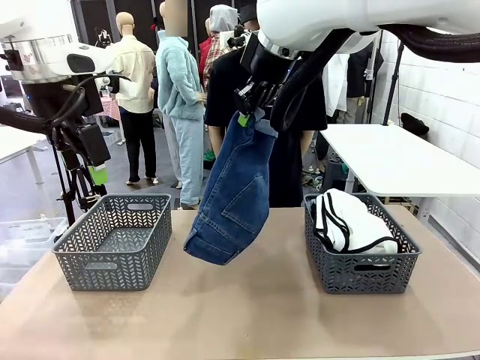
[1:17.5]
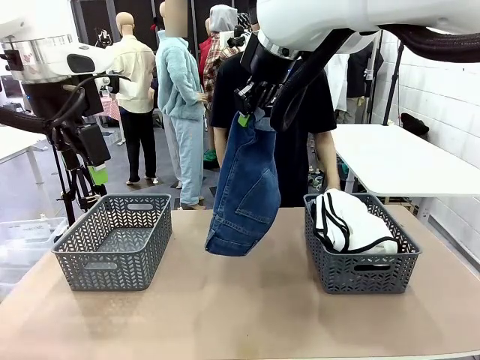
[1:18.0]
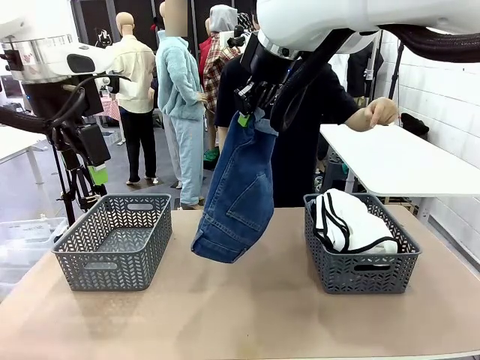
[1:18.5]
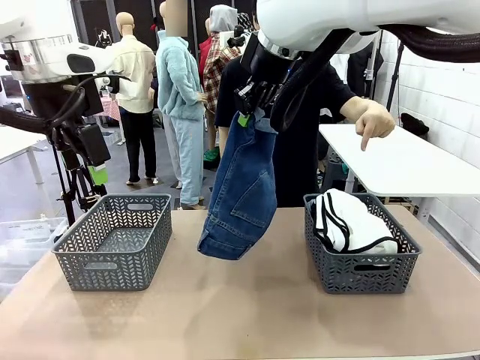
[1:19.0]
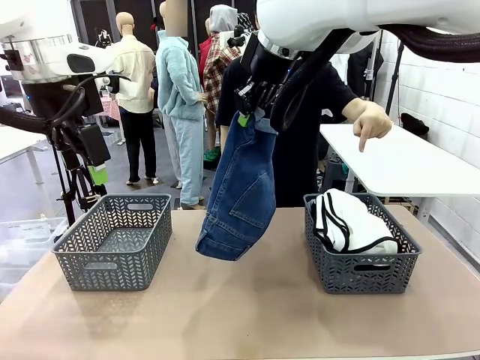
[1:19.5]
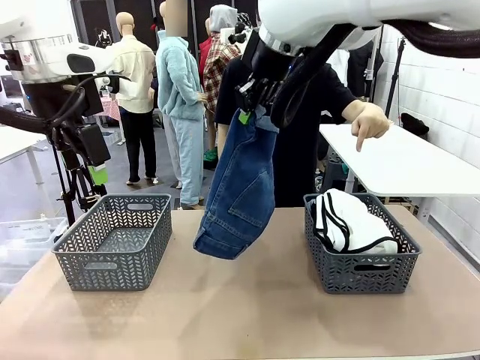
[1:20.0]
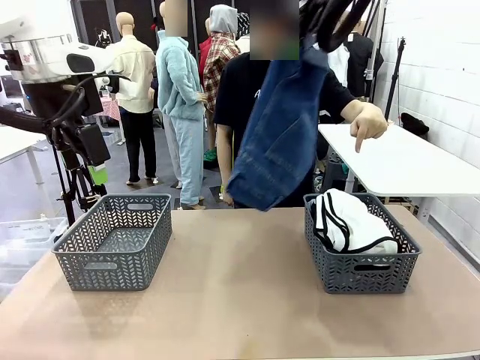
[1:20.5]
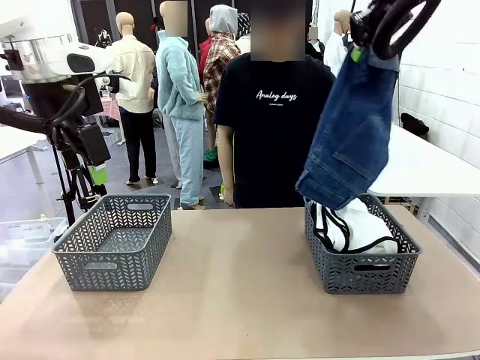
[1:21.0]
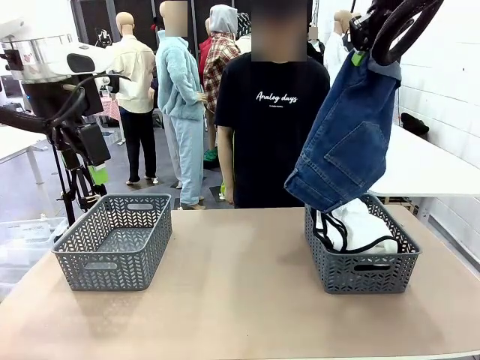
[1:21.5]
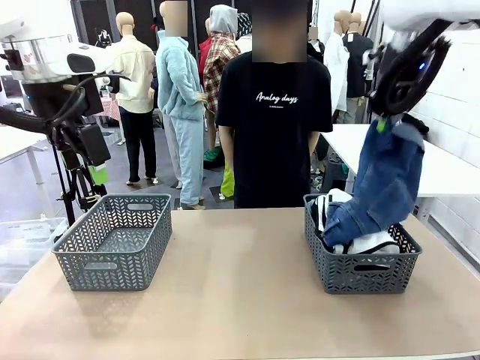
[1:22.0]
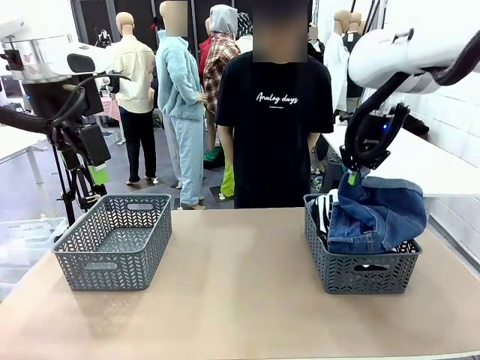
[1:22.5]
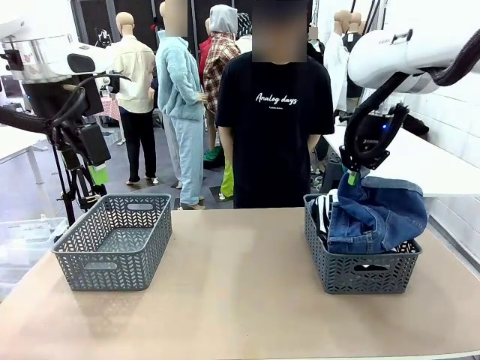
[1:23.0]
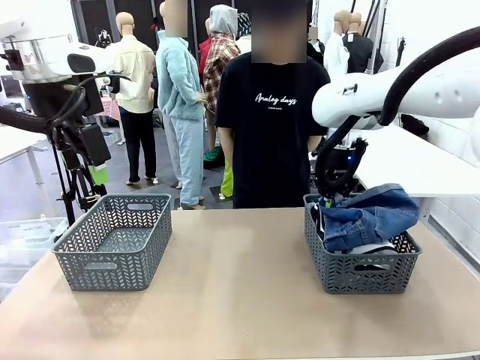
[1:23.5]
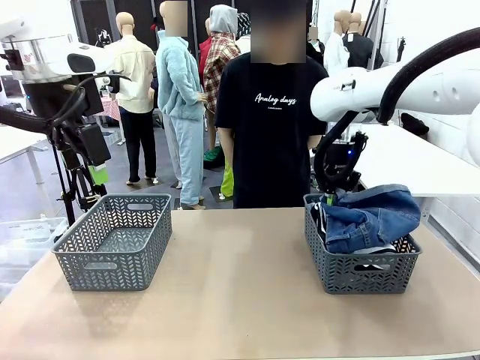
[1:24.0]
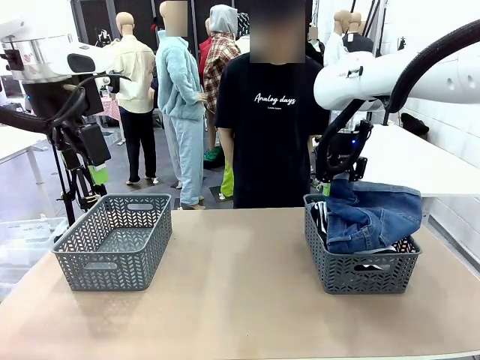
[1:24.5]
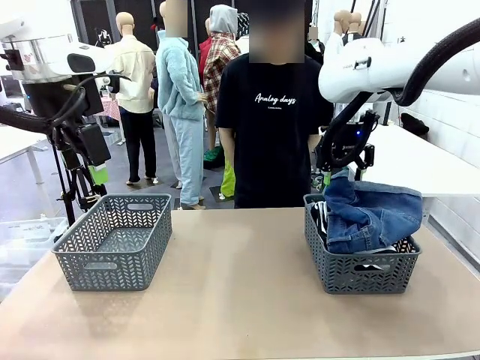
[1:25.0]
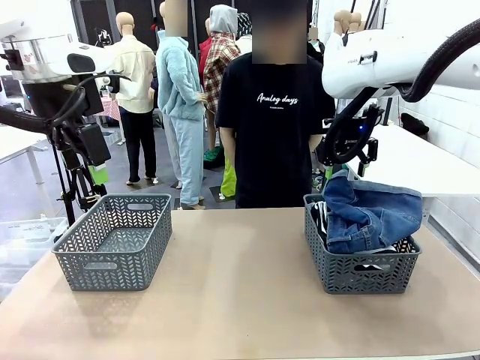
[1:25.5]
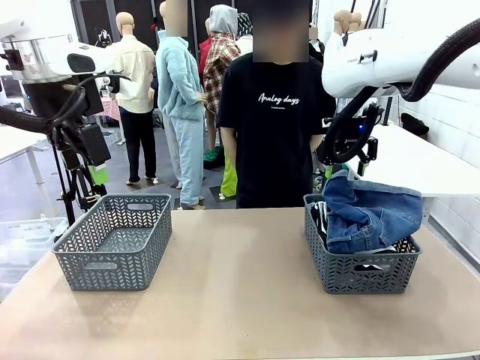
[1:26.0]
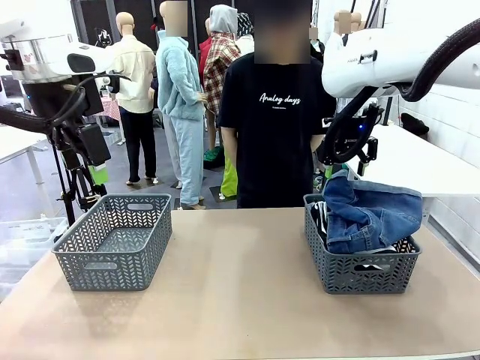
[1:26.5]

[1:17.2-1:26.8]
Task: Sort the tops and bottoms.
Robot: Sort the clothes according to human instructions.

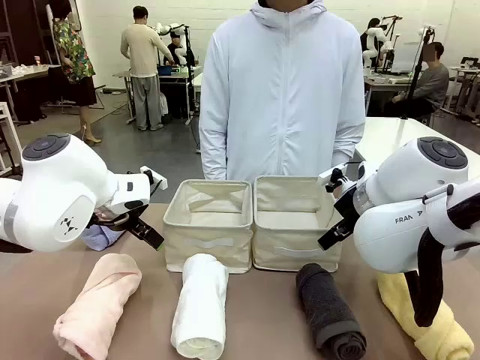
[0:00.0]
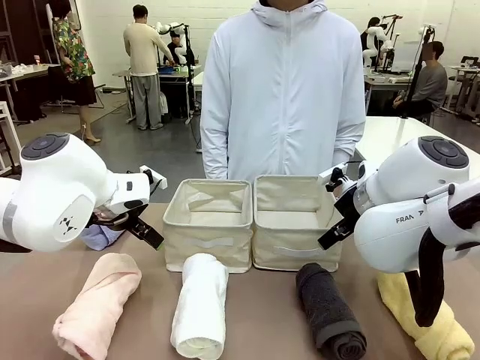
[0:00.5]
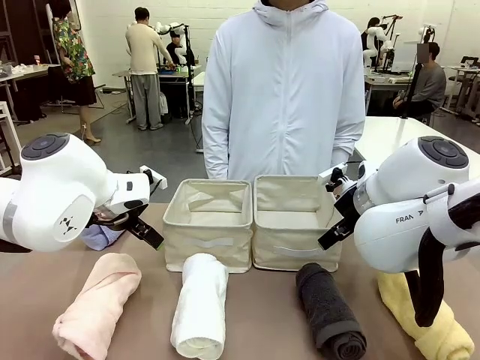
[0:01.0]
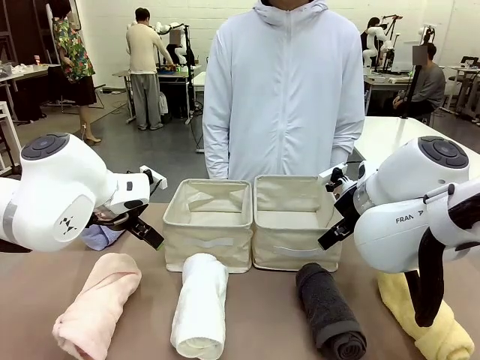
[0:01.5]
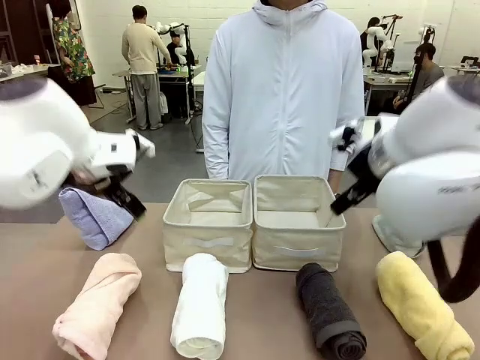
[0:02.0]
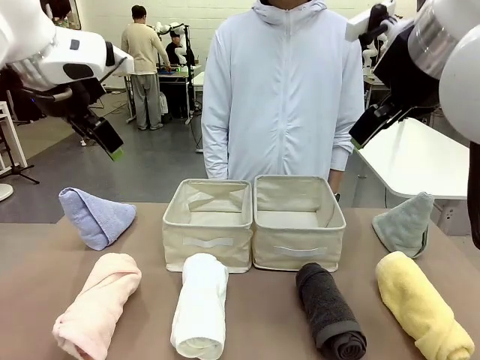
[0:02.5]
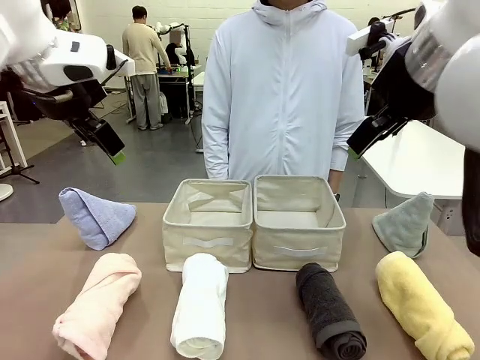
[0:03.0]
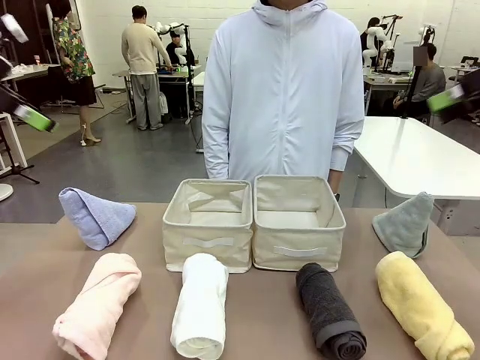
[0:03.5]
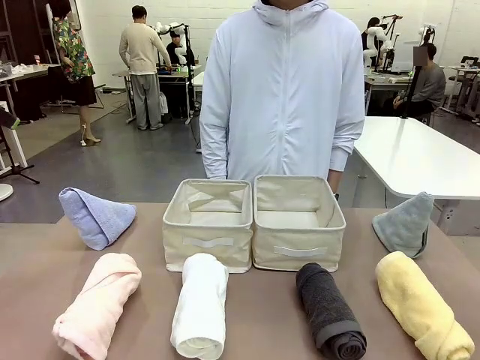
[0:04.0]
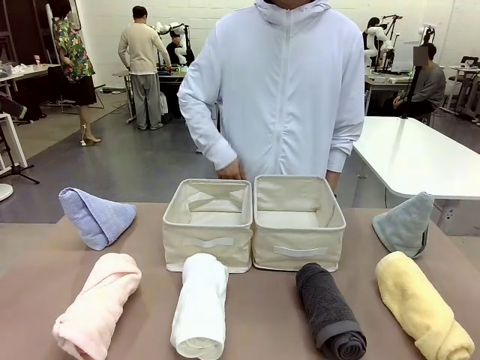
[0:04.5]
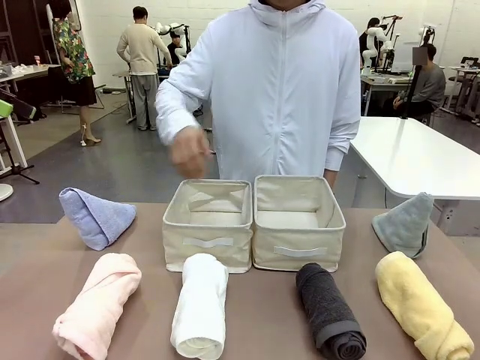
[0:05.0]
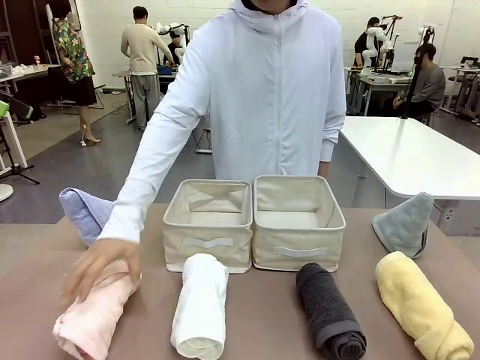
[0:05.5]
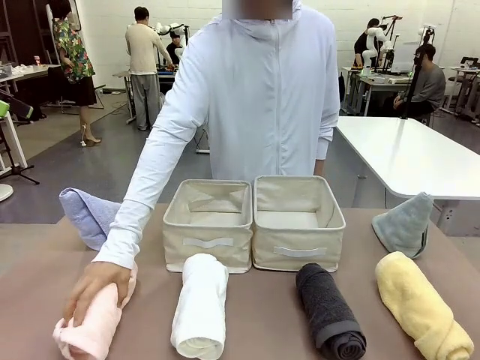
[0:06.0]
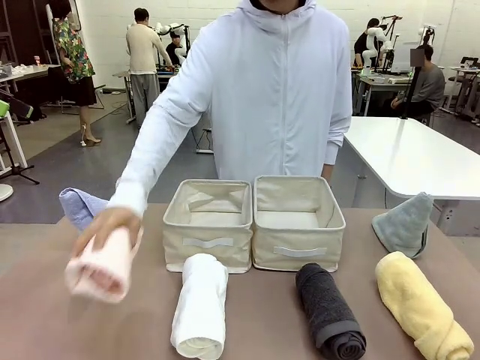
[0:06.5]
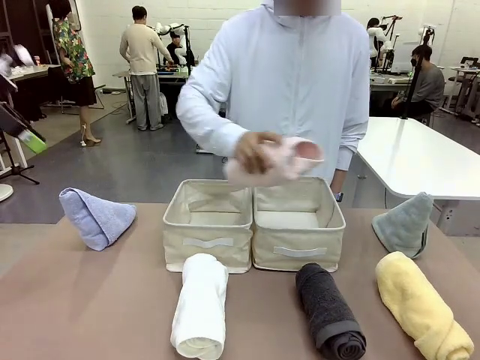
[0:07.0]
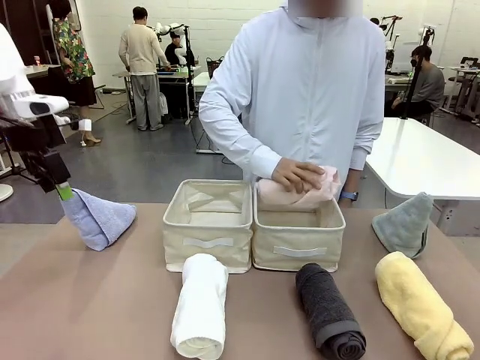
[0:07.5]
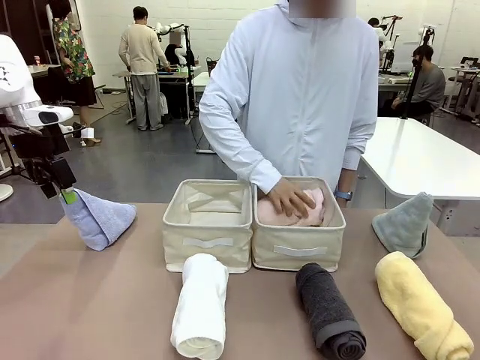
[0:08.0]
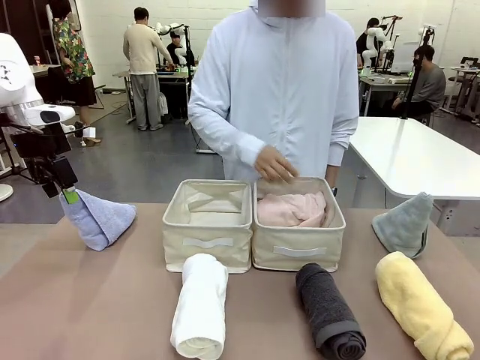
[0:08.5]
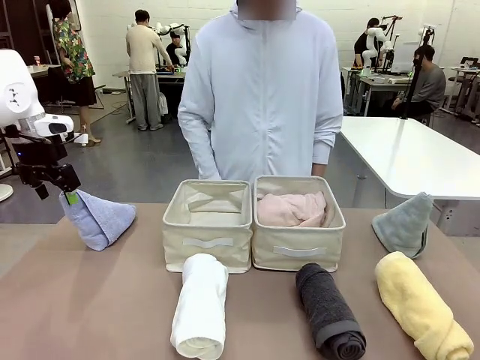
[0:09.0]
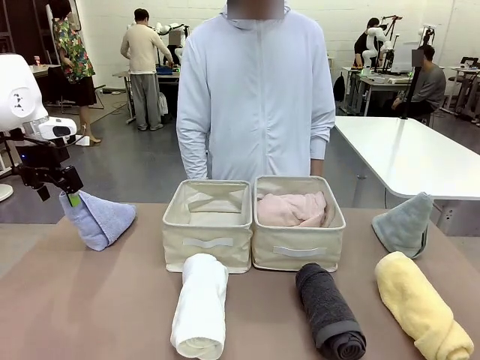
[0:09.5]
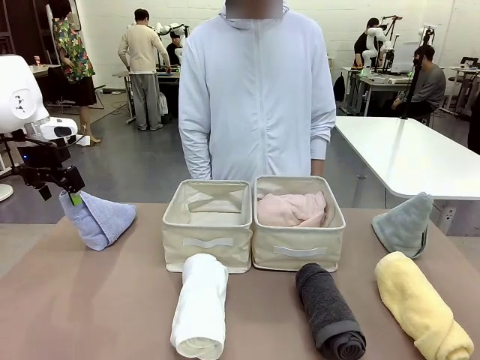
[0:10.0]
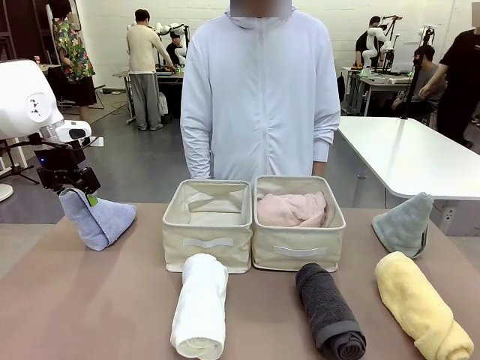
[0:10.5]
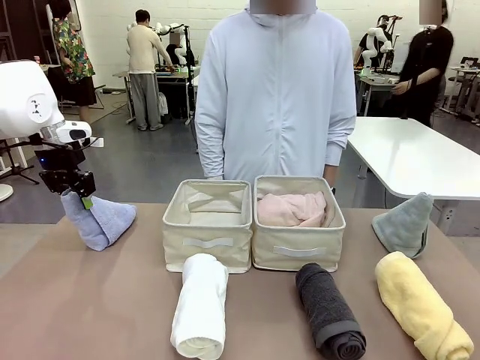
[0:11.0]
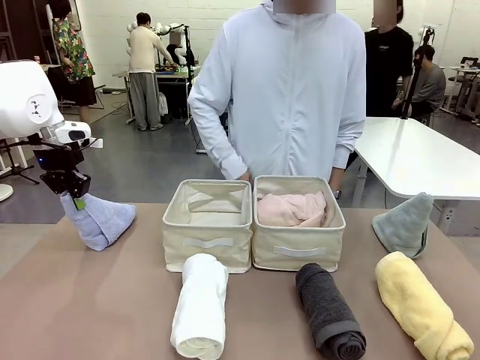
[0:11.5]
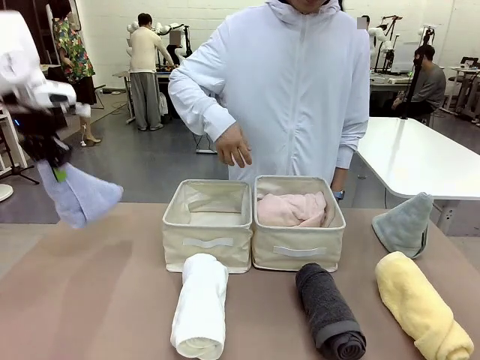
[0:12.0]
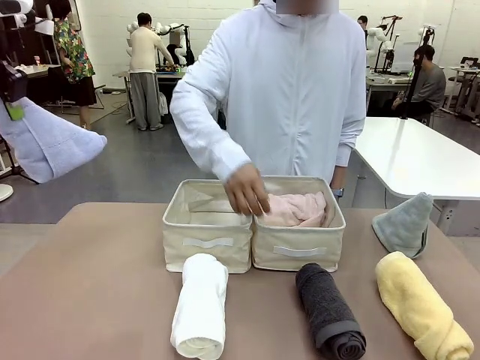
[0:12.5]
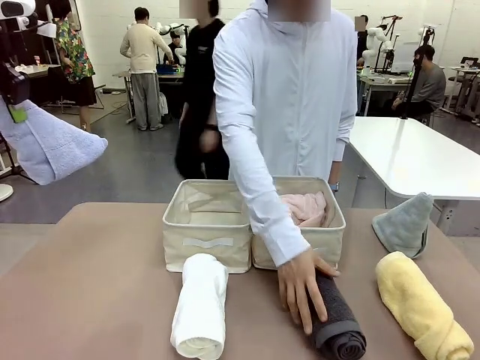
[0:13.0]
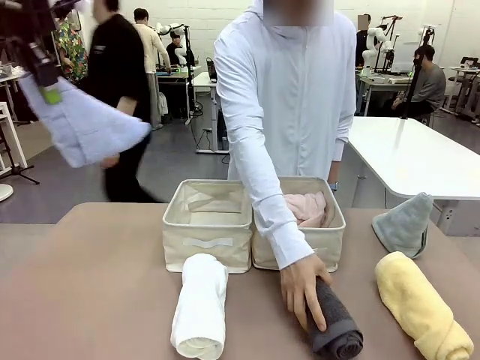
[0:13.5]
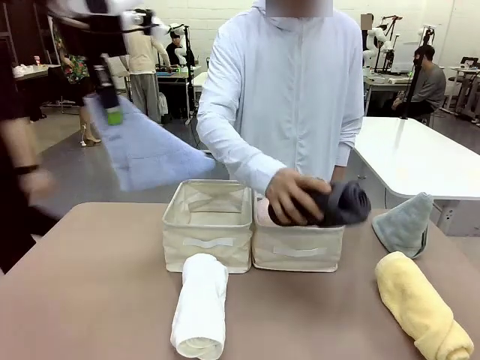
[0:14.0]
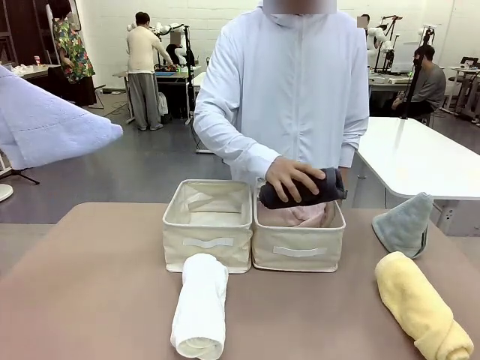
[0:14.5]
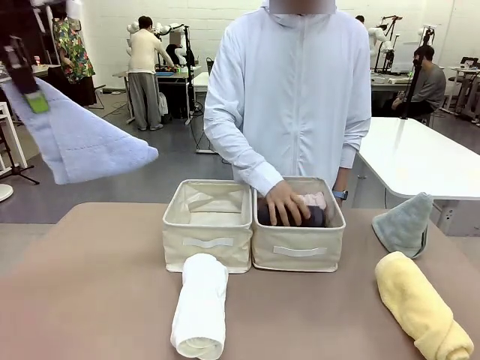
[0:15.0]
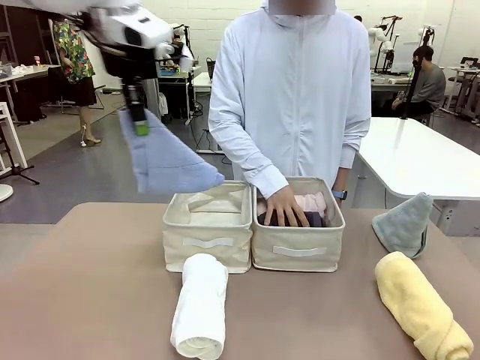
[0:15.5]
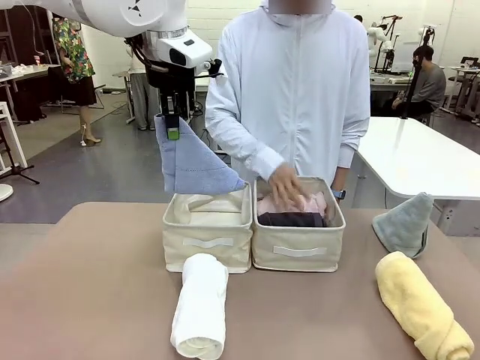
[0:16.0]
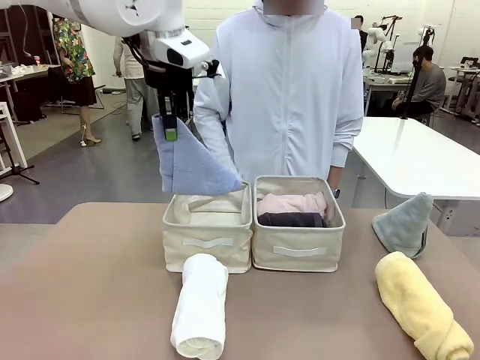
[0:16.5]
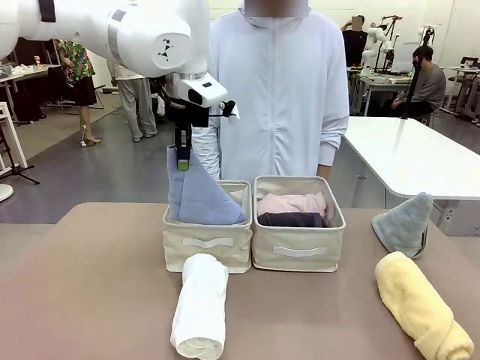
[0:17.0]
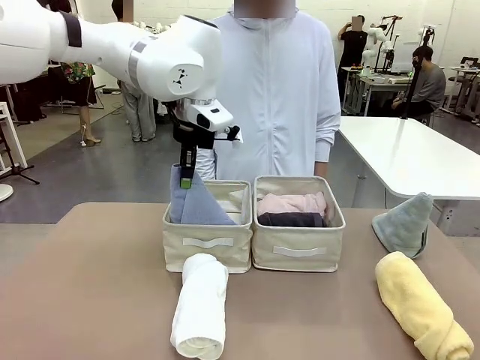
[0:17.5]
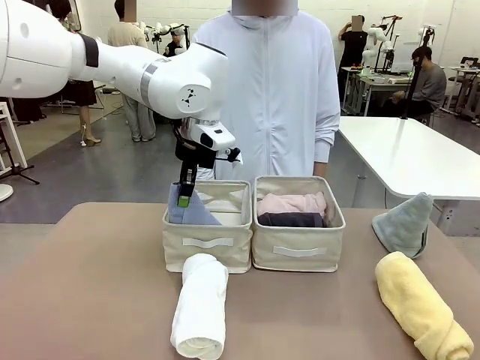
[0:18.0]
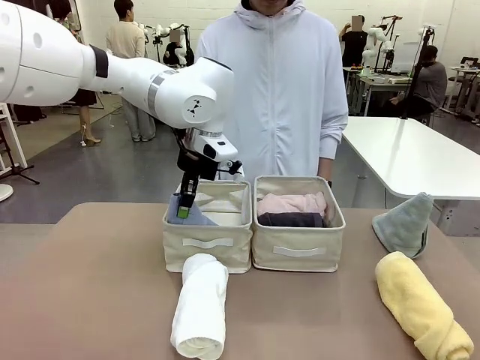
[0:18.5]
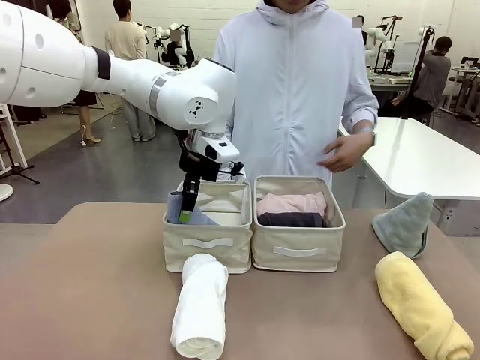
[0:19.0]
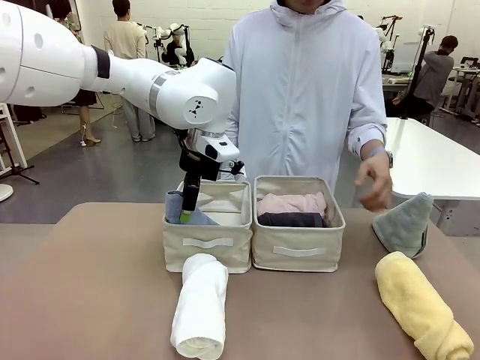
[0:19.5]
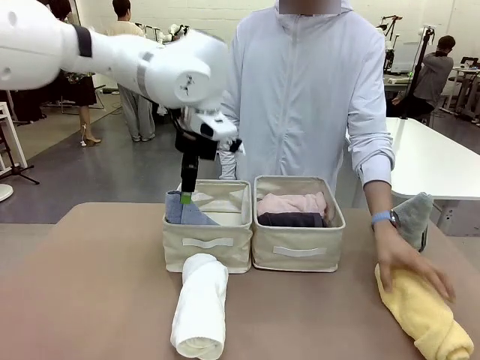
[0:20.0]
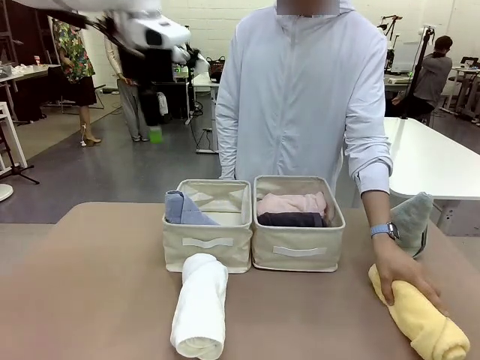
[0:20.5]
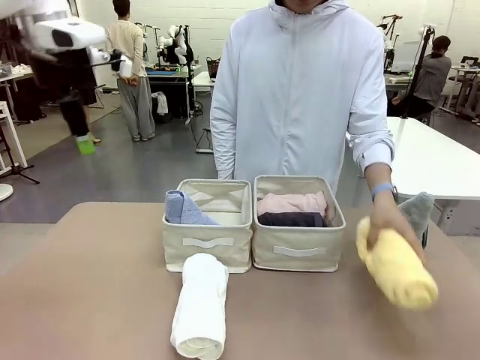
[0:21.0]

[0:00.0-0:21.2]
Task: Sort the towels based on their folding style.
Robot: Pick up one triangle-folded towel and place it in the left Fabric basket.
Person: Pick up one hotel-style rolled towel and place it in the left fabric basket.
